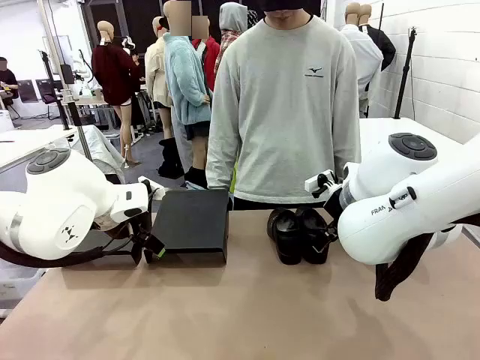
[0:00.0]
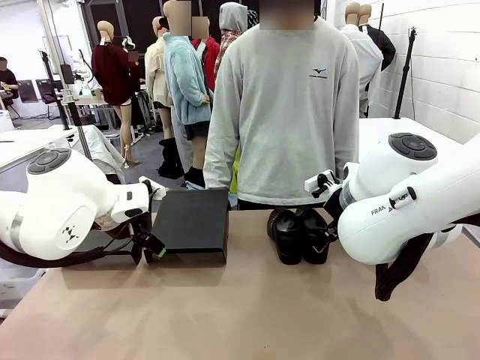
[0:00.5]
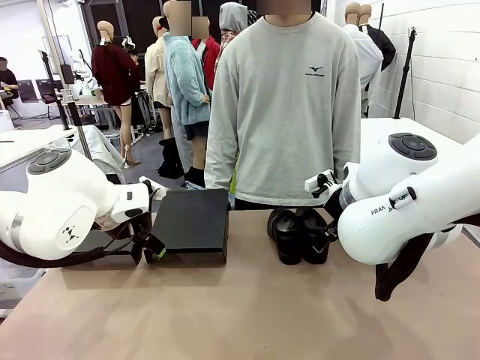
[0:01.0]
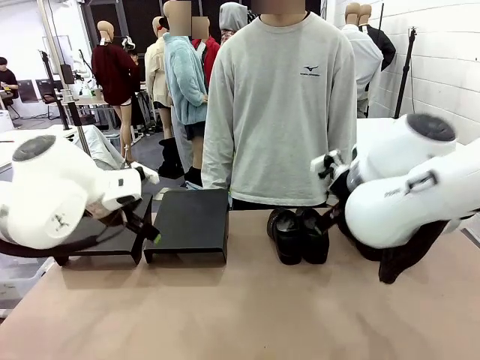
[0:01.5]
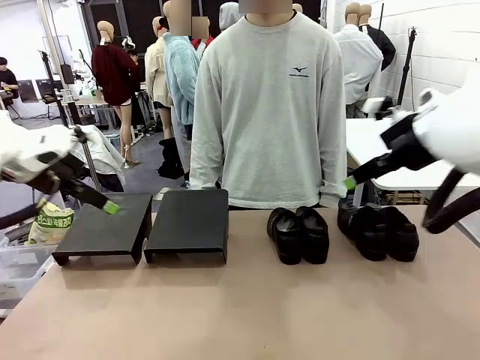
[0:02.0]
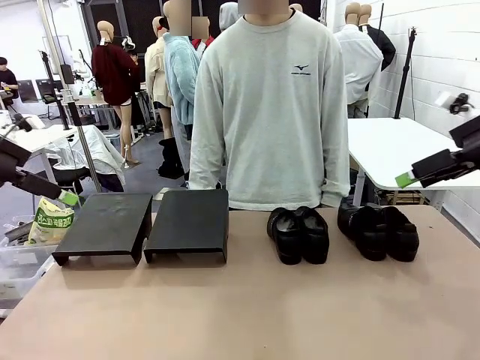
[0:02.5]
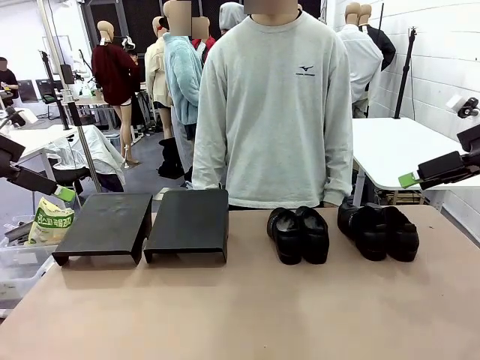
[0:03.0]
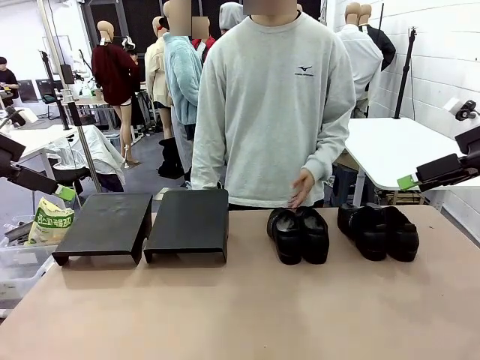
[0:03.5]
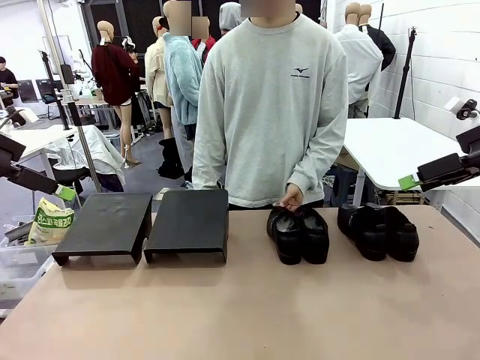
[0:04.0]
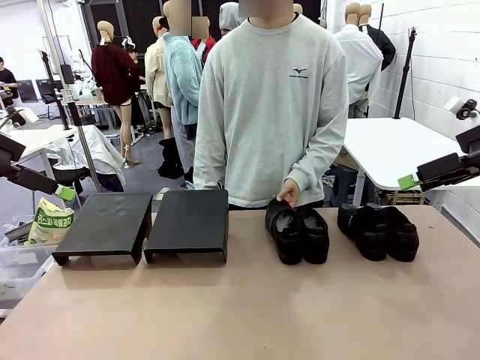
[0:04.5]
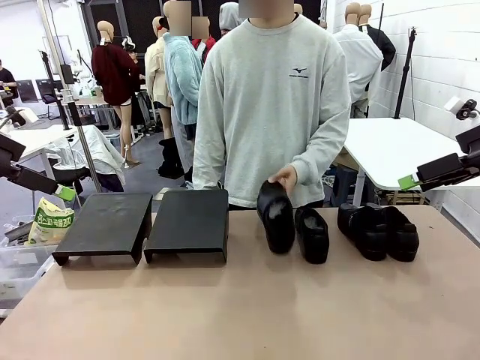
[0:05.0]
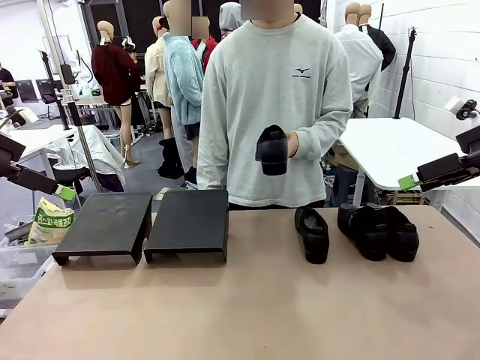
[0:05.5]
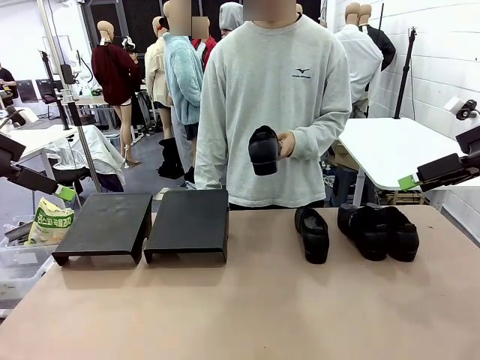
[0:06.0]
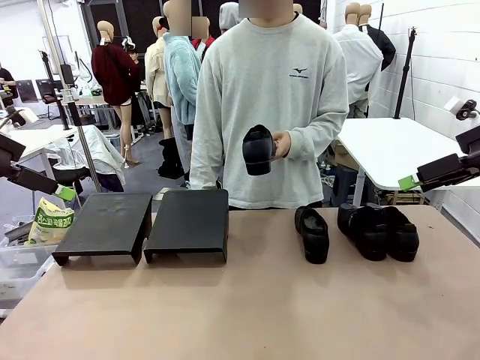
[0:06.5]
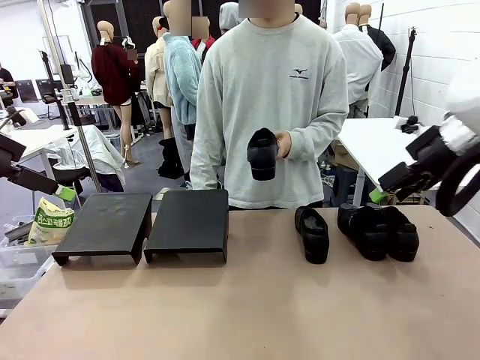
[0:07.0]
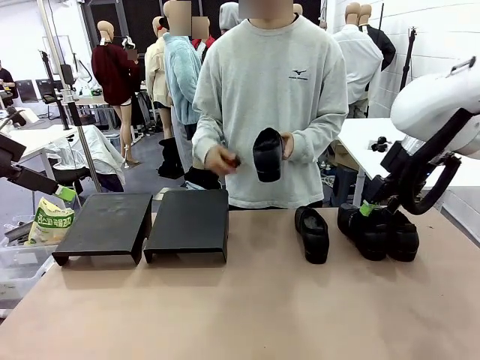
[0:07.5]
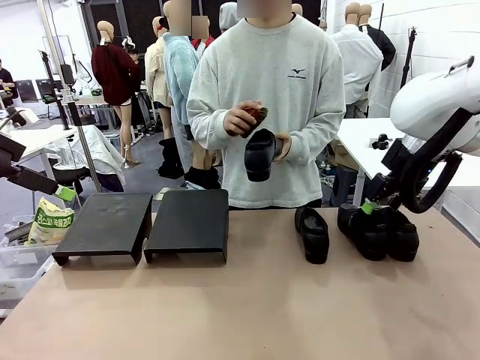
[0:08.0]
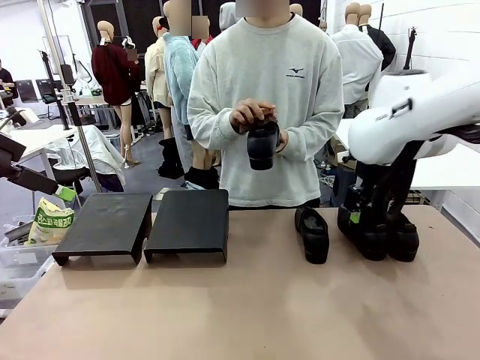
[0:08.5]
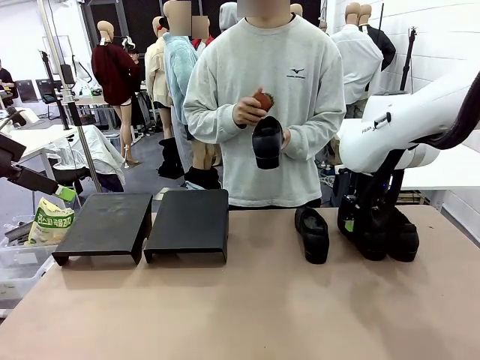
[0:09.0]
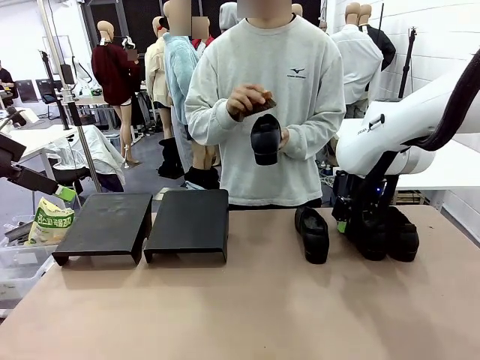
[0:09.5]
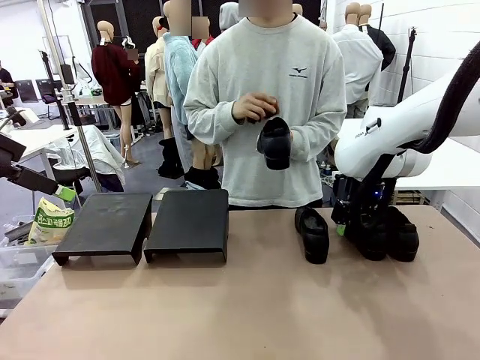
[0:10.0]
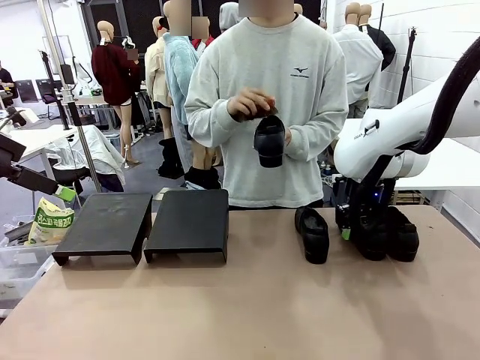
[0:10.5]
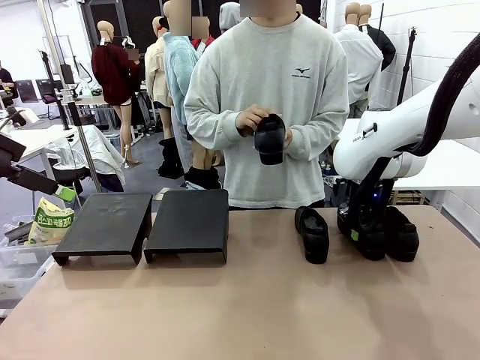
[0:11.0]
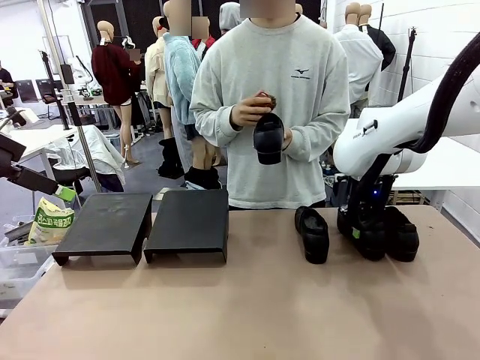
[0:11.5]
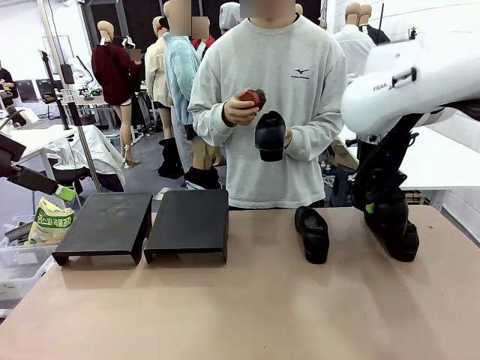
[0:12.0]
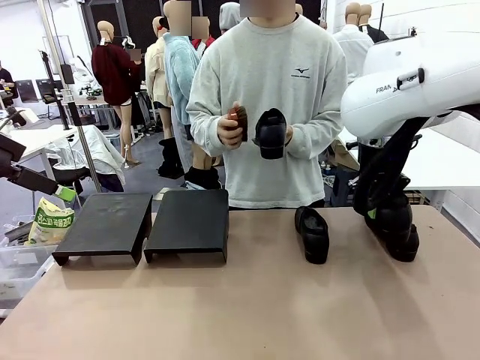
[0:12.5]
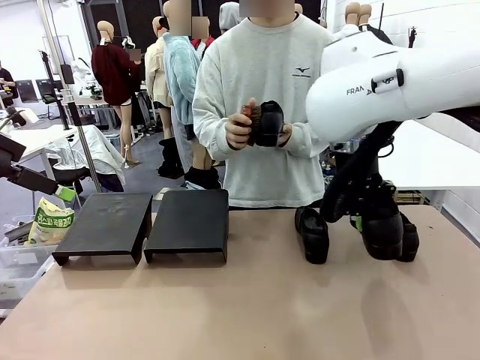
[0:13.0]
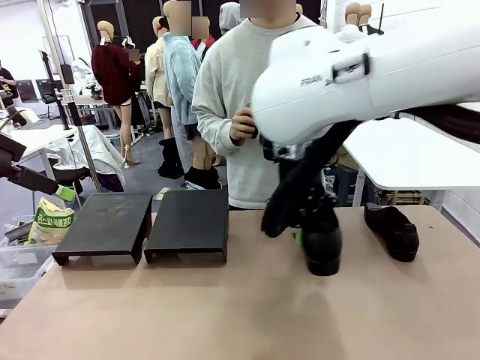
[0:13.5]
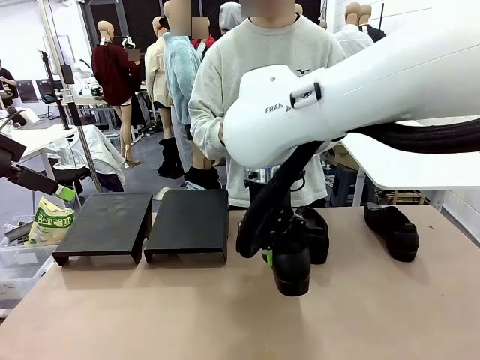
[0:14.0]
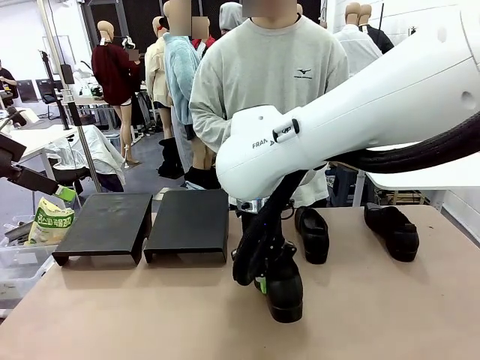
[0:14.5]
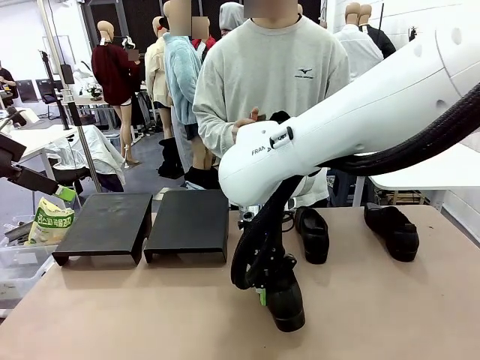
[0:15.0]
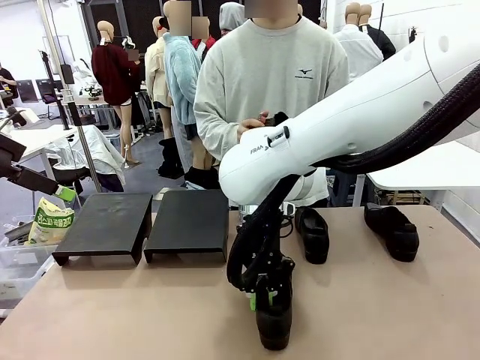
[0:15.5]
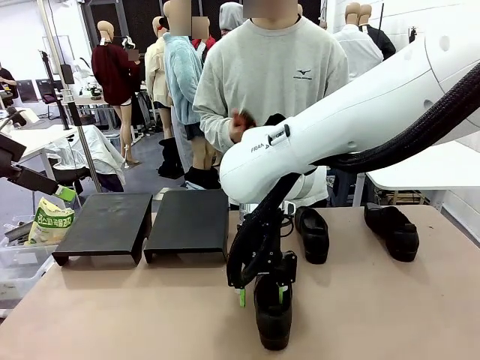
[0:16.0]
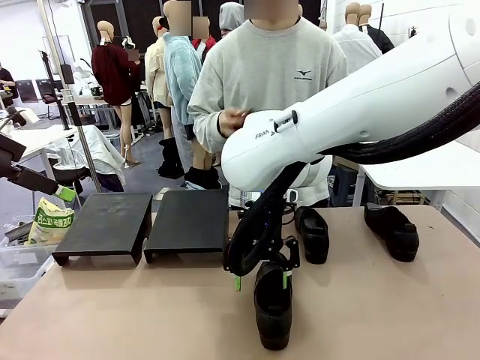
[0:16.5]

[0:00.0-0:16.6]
Task: Organize the shoes by placing them on the stand.
Robot: Pick up one Shoe and place it in the middle of the table.
Person: Pick one Shoe on Robot's table.
